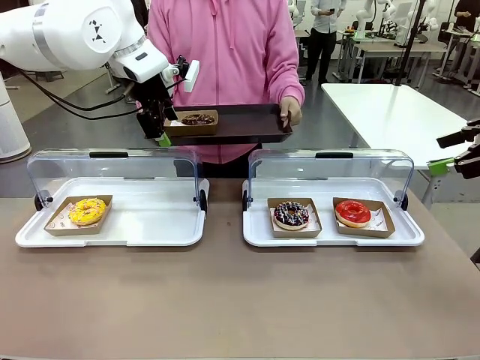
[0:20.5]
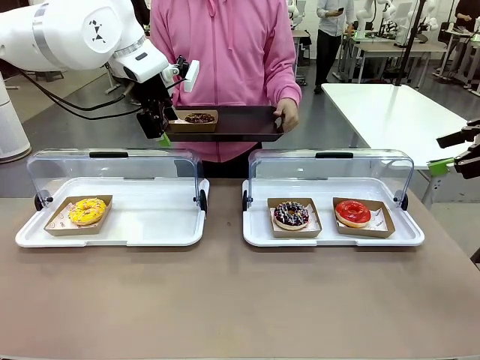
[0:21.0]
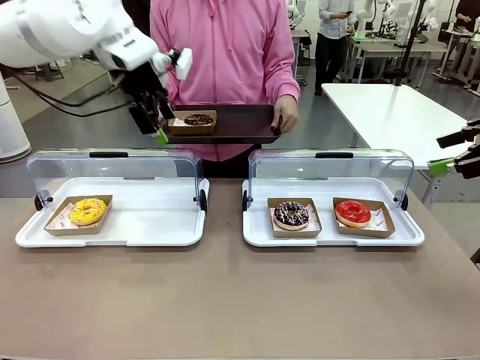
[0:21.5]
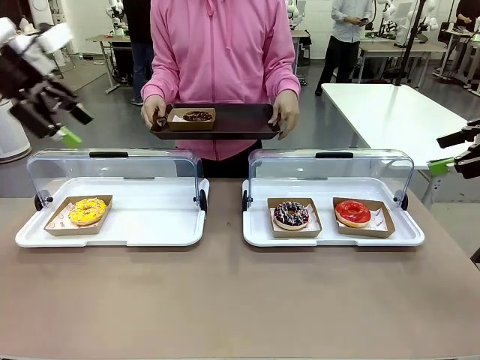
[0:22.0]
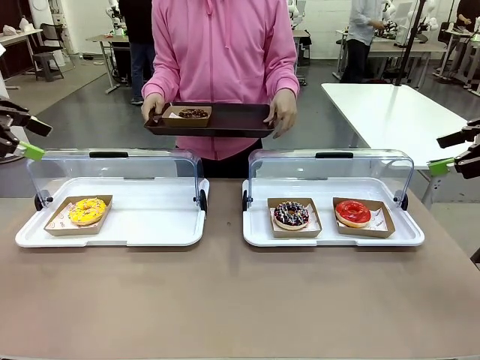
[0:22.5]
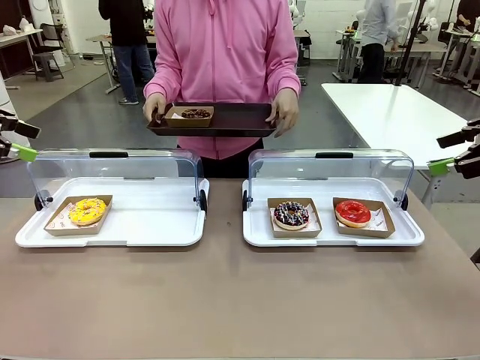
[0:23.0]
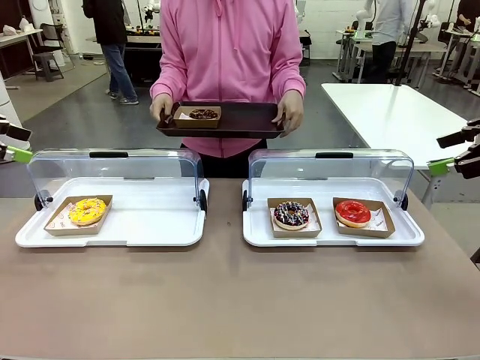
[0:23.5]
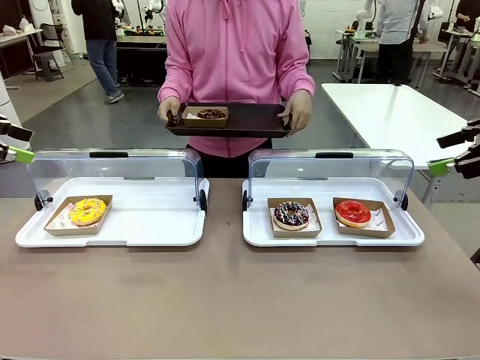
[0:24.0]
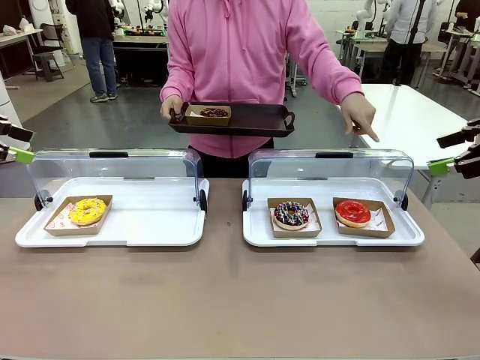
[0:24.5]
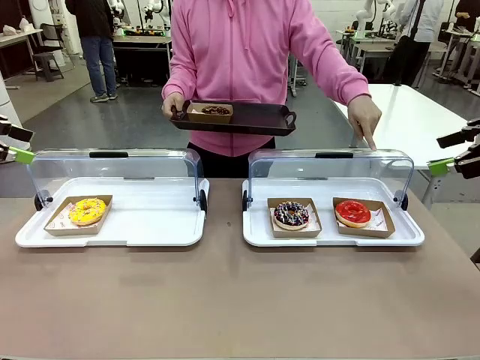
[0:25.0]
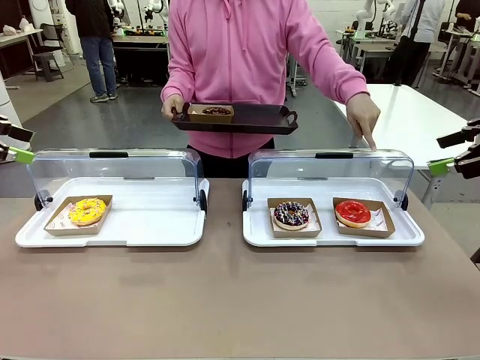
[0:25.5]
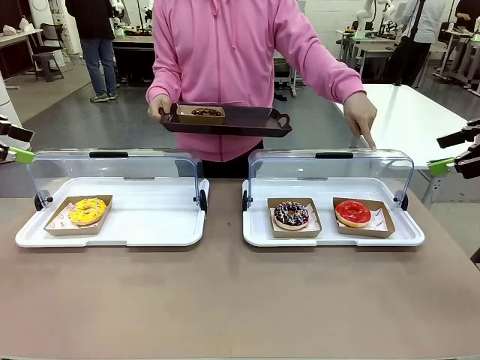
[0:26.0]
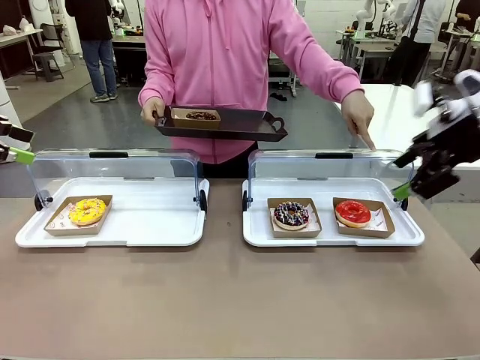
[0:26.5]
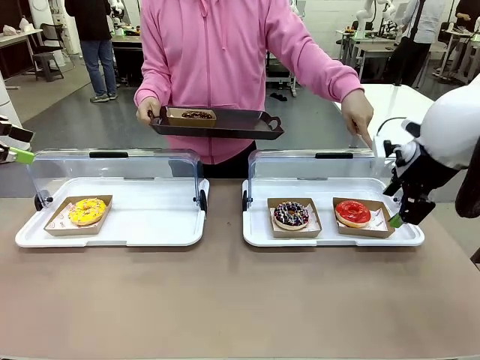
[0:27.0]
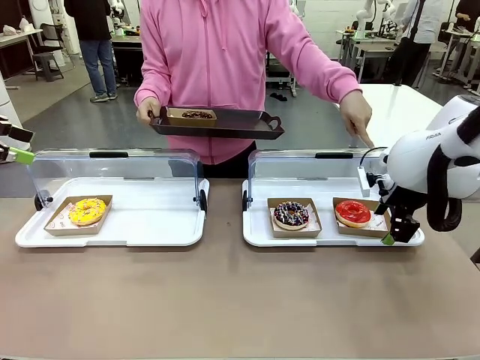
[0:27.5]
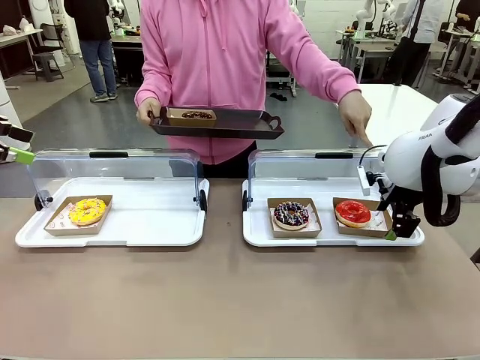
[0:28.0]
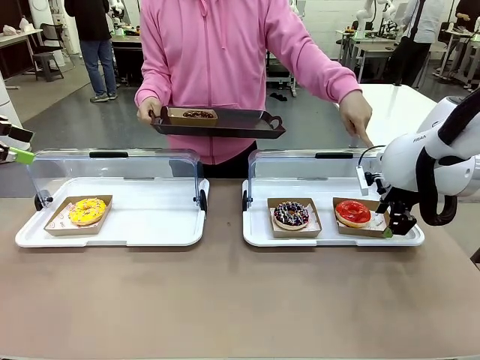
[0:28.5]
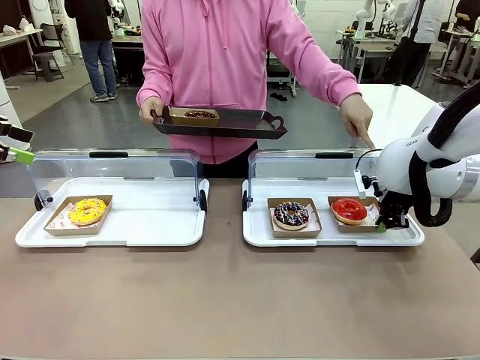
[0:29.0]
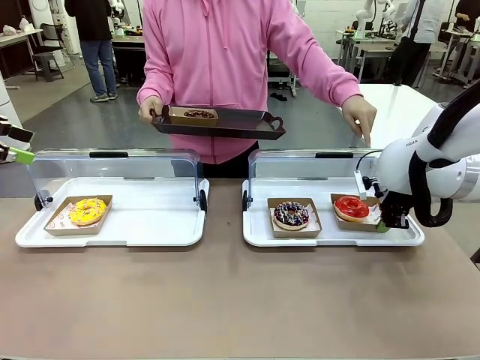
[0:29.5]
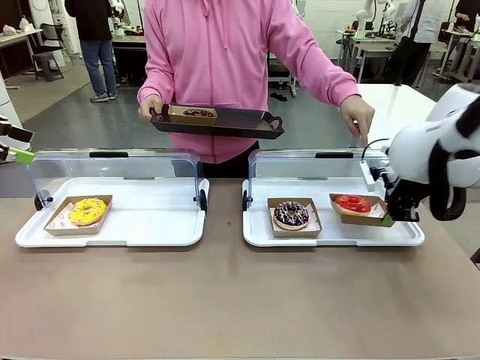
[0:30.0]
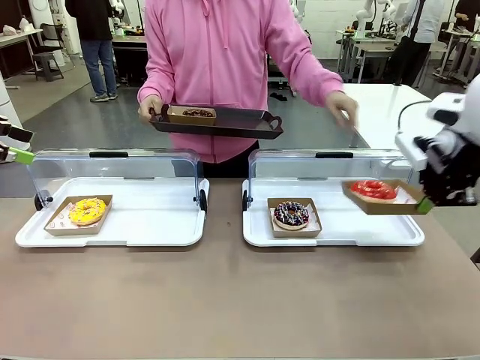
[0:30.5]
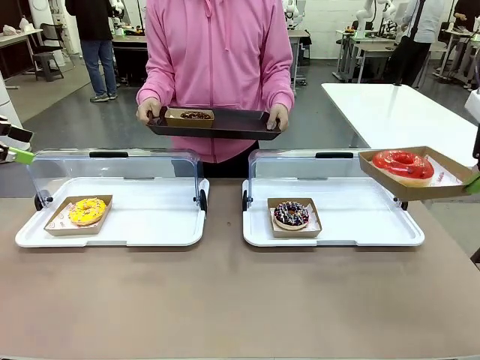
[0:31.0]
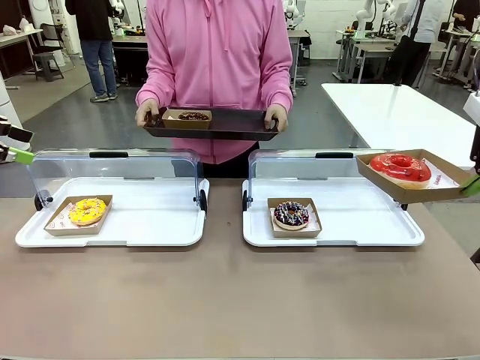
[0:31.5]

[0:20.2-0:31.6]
Task: Provide the desired donut to the person.
Robot: Pick up and lift the Paper togo box containing the Donut pointed at by the person.
Person: Point to one donut. Lift the tray onto the Roll-Top Bakery Case.

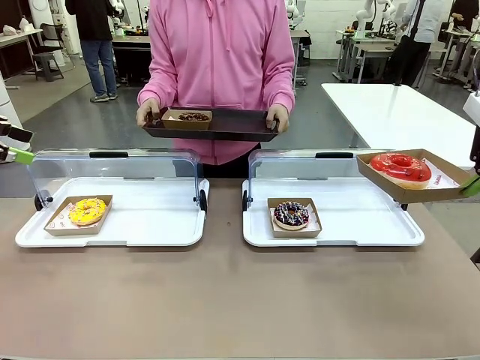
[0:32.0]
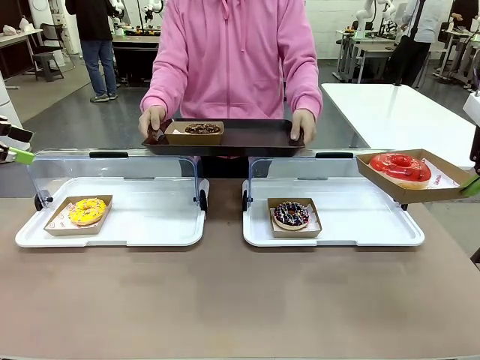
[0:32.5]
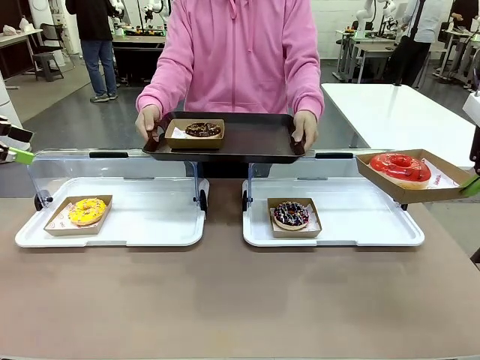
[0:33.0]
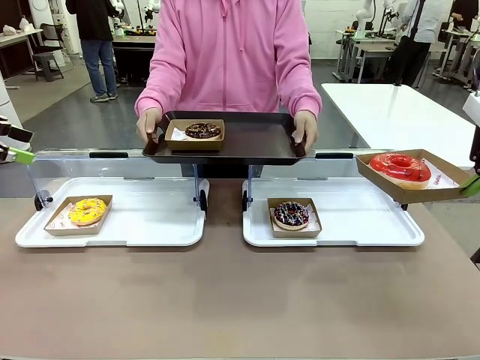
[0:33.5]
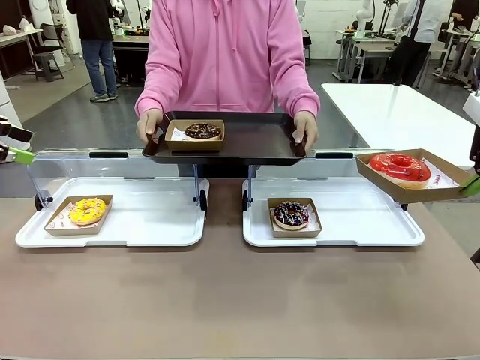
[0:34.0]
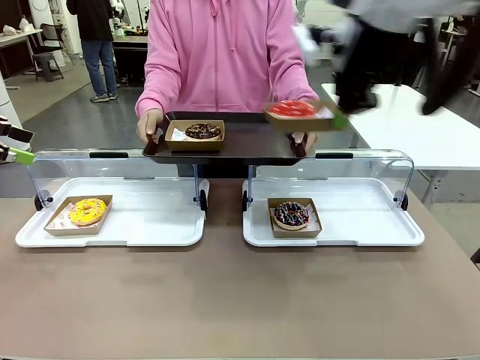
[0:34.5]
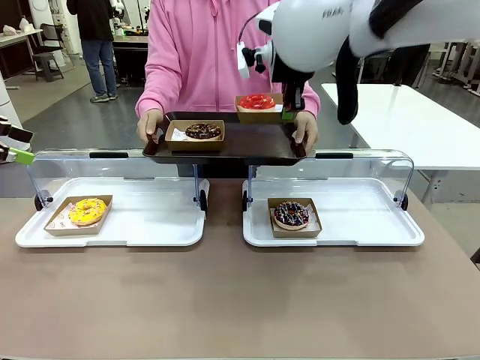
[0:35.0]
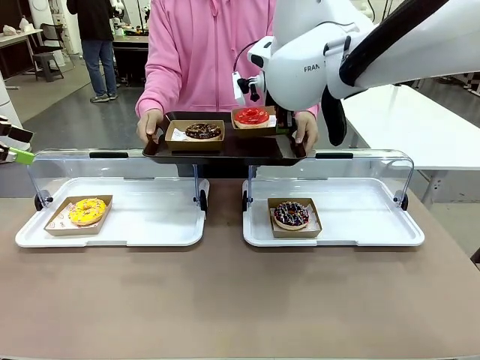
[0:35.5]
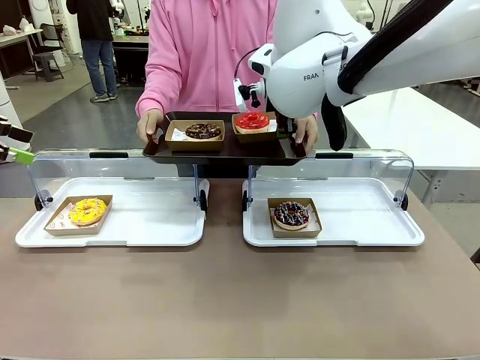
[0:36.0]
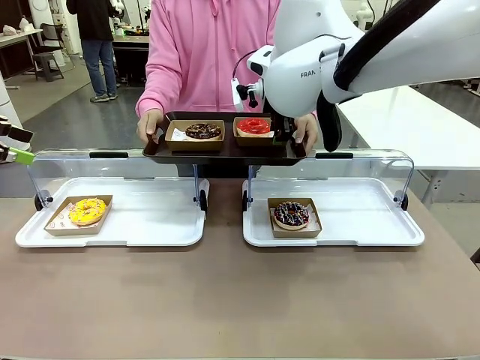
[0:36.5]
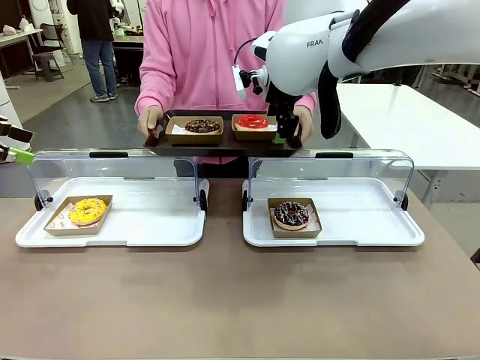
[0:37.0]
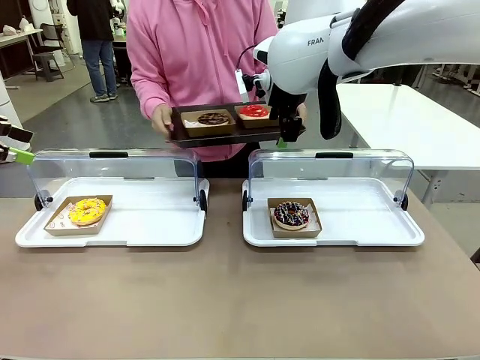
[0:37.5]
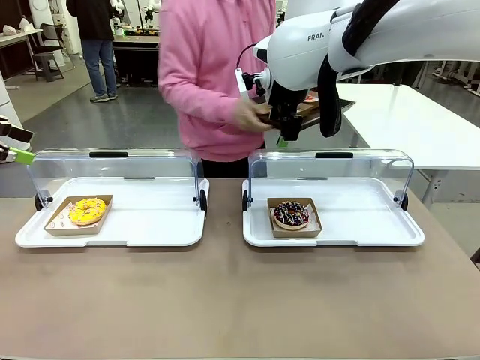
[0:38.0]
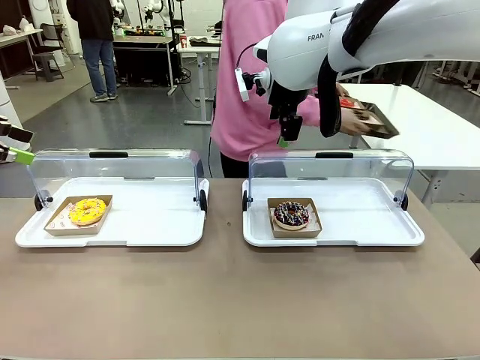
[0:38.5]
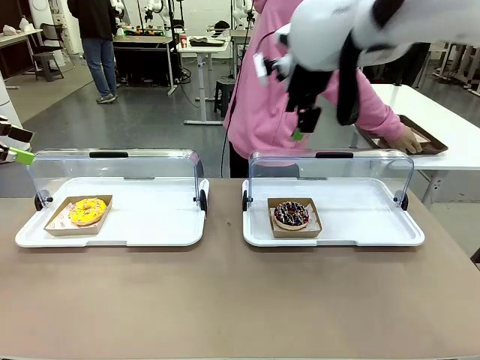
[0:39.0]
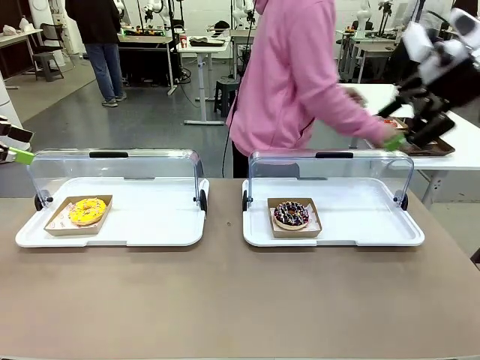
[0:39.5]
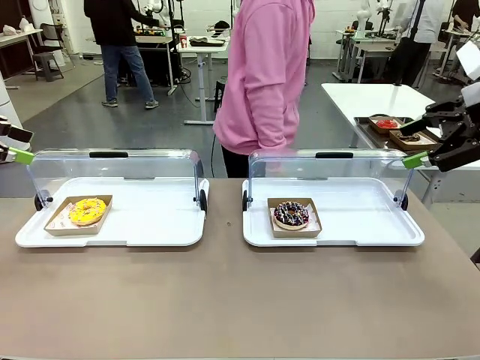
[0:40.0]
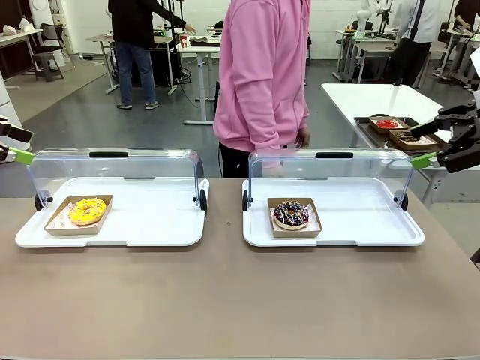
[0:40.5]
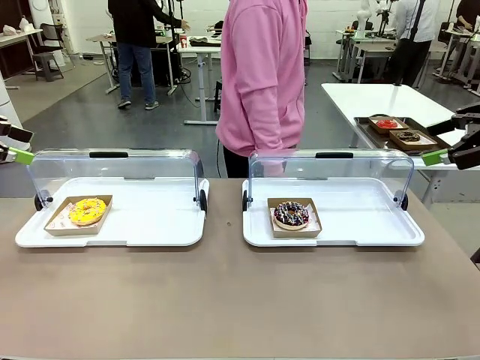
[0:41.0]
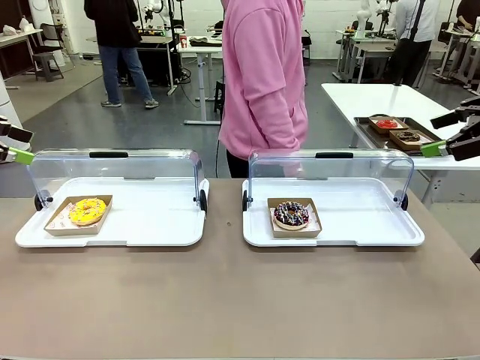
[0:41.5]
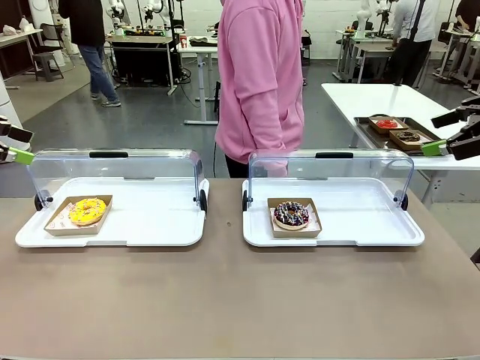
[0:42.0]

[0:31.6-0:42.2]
Robot: Place the picked Paper togo box onto the Handle tray extended by the person.
Person: Place the tray in the middle of the human table.
